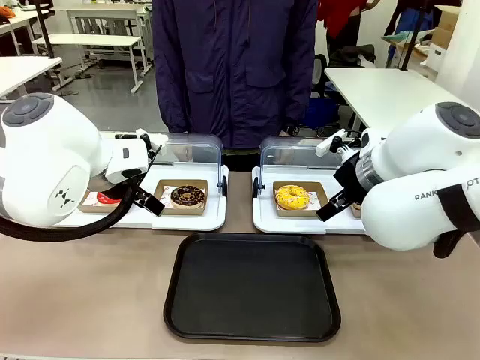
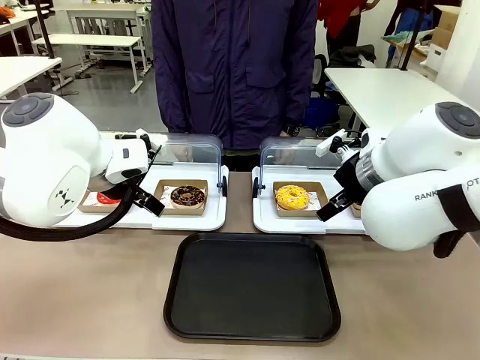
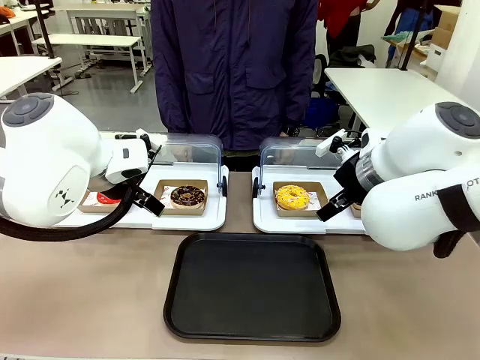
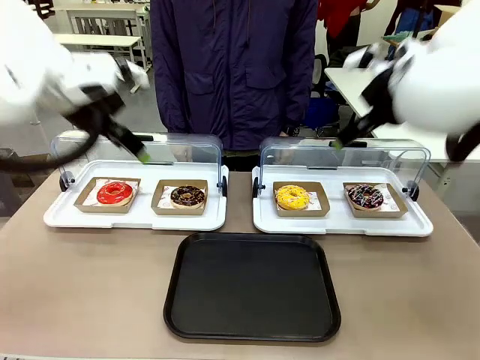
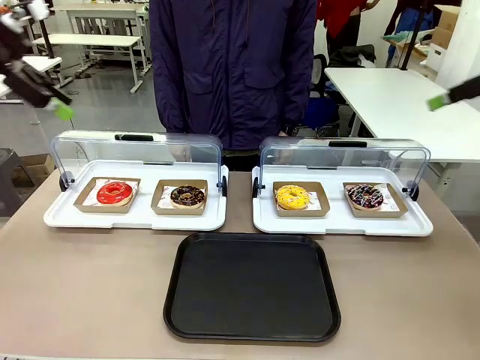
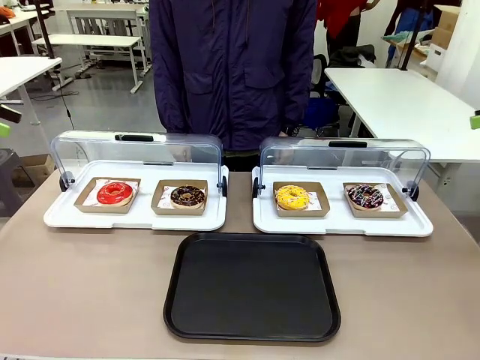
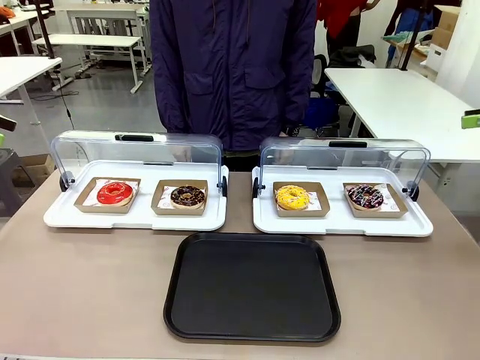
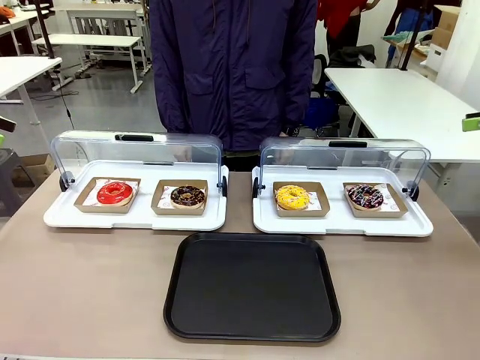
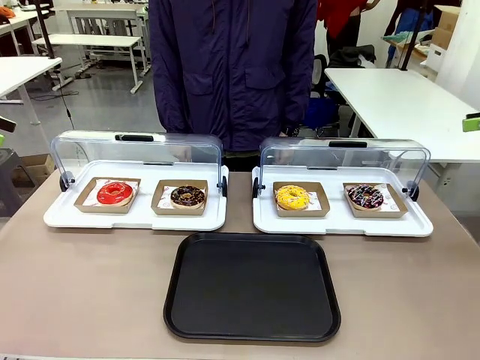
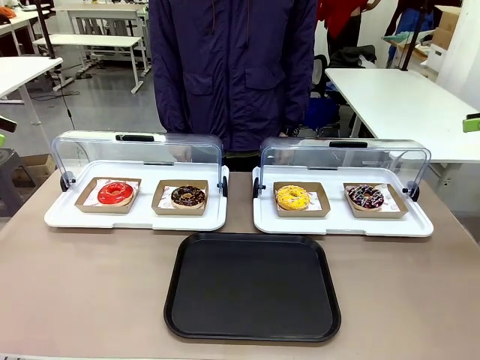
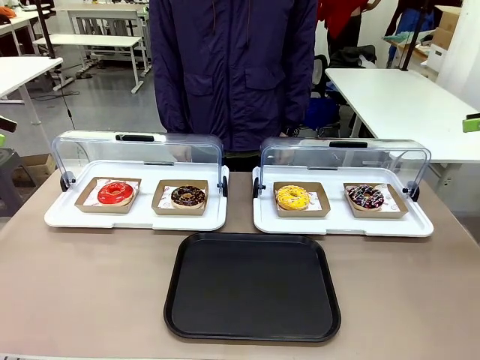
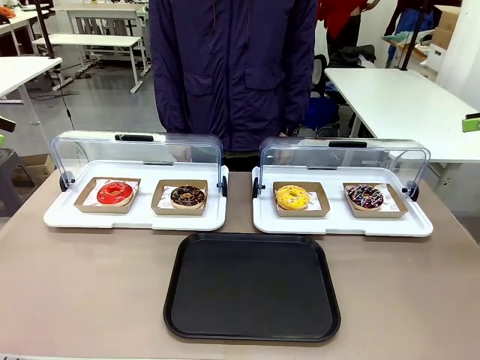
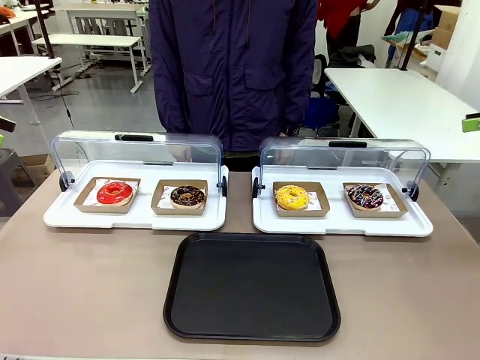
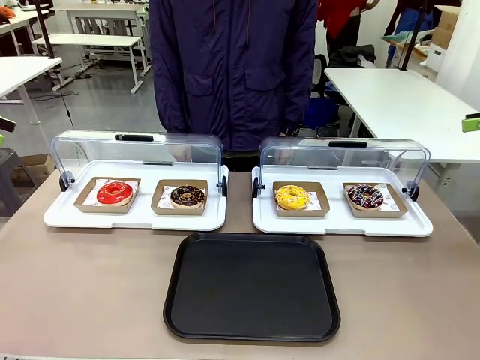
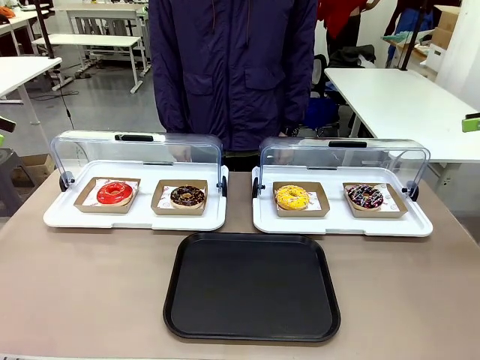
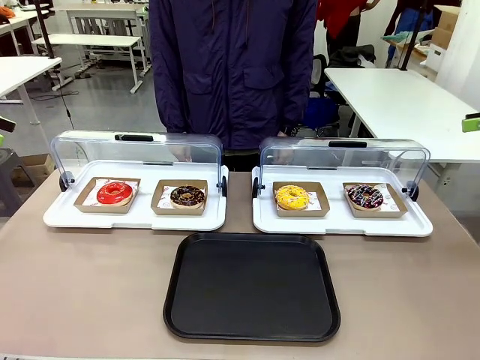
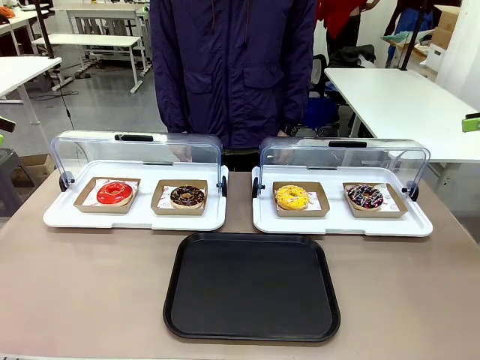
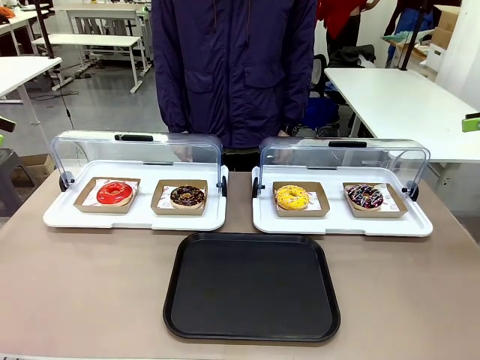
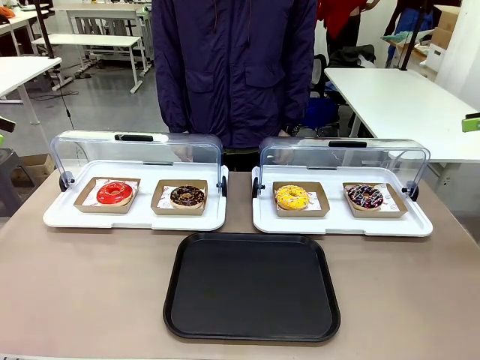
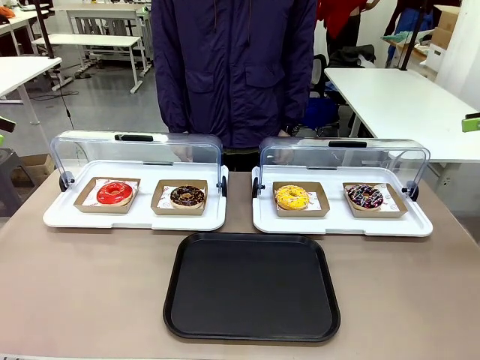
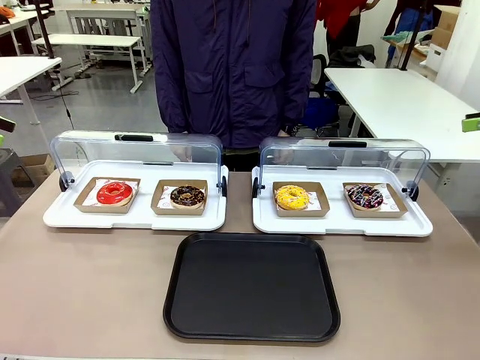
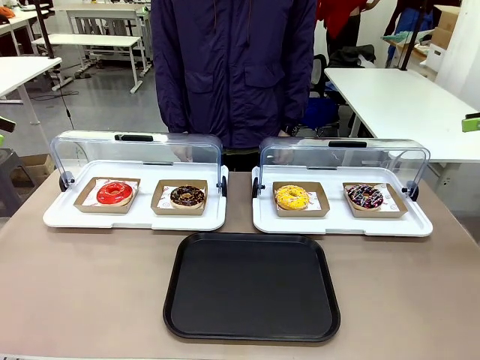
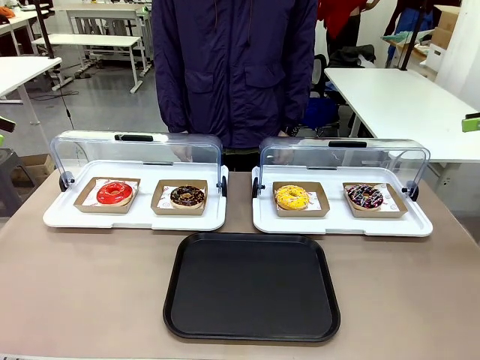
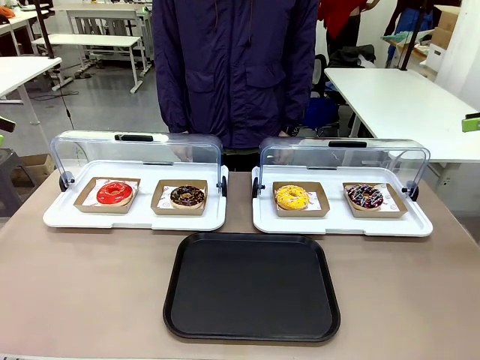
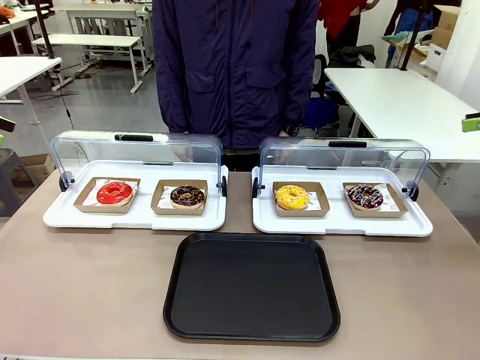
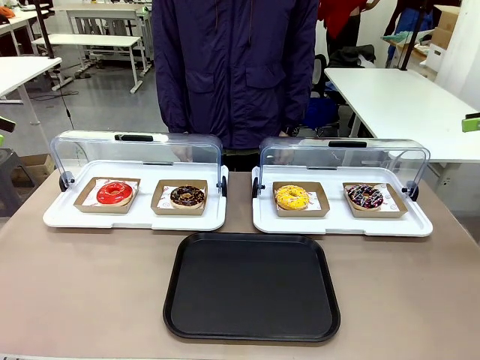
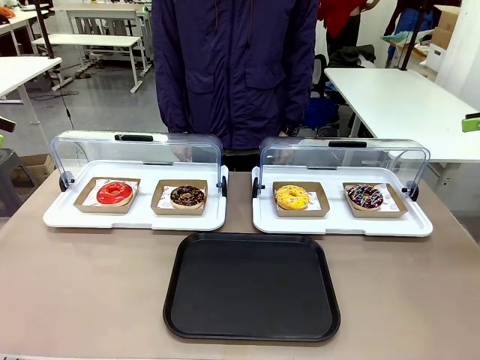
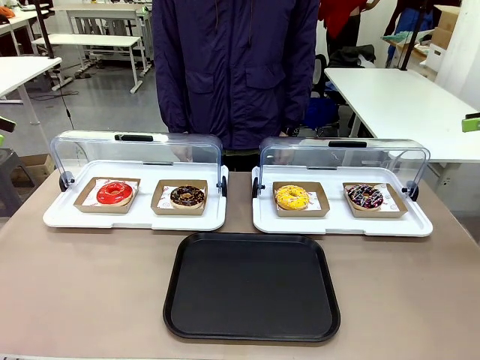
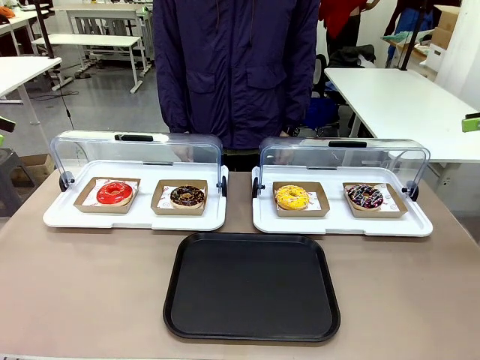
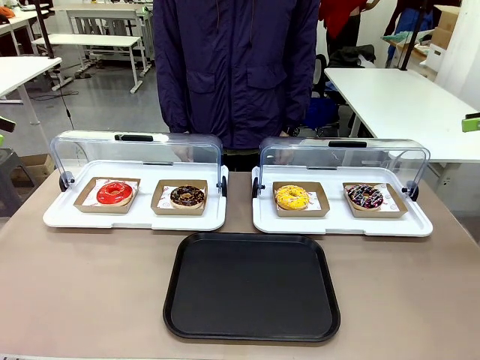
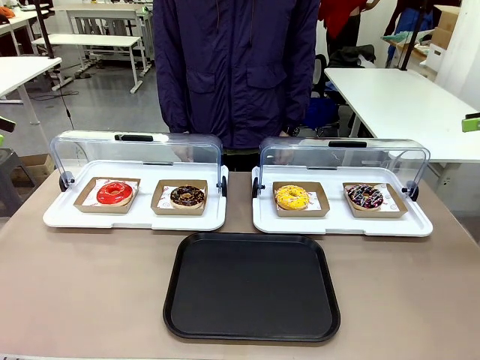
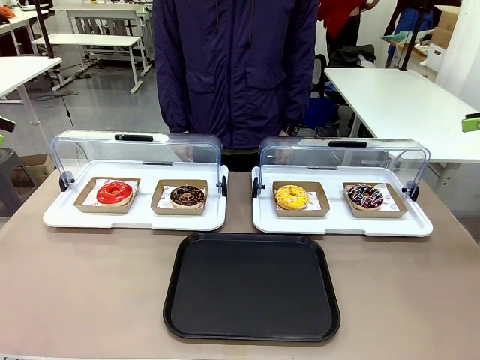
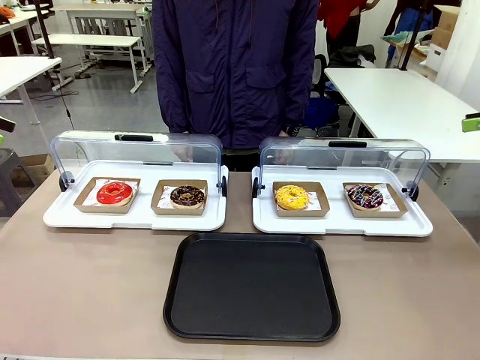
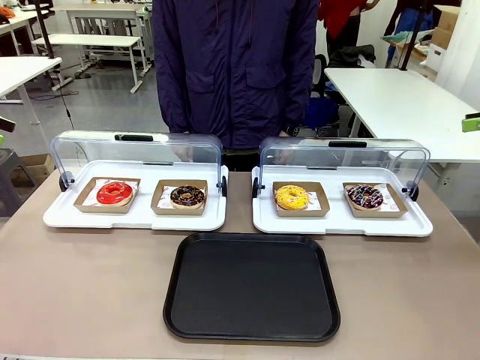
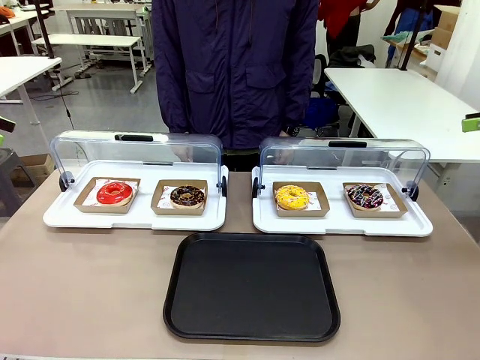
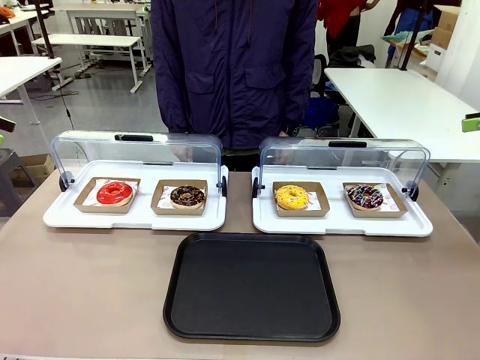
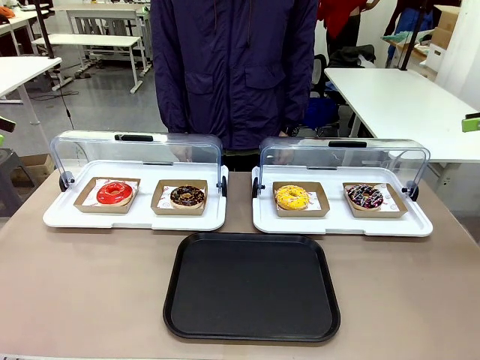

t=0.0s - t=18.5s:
Task: Move the first donut from the left to the tray.
Robot: Pick up the Paper togo box containing the Donut indicated by the person and place it on the Handle tray.
